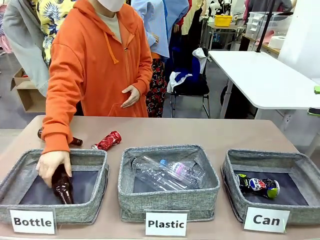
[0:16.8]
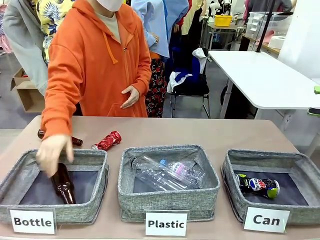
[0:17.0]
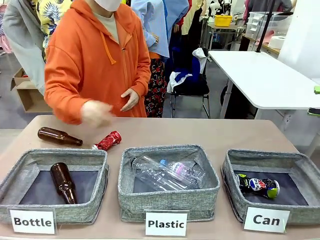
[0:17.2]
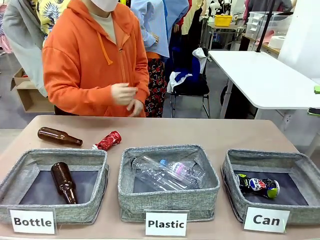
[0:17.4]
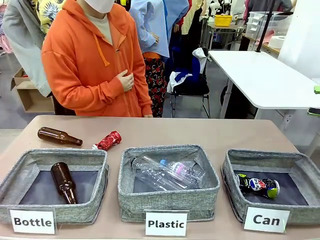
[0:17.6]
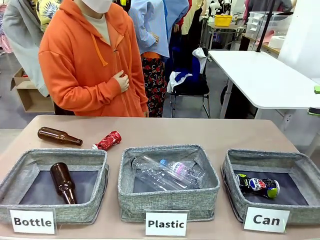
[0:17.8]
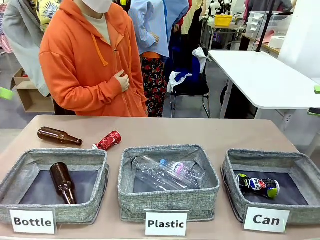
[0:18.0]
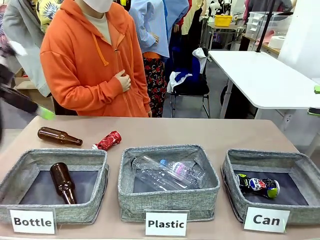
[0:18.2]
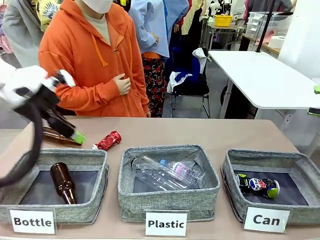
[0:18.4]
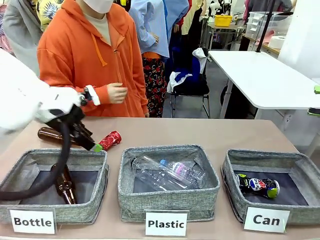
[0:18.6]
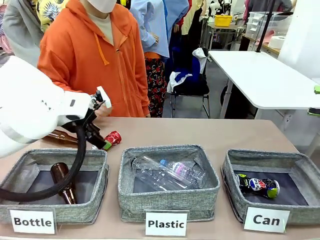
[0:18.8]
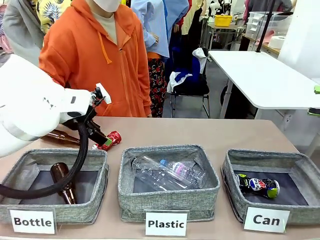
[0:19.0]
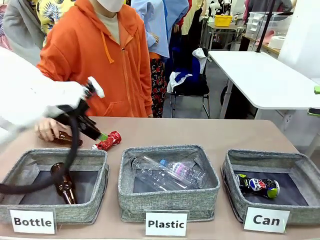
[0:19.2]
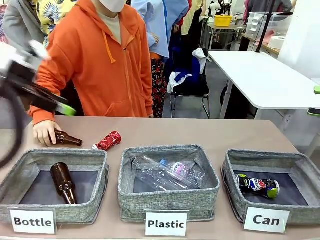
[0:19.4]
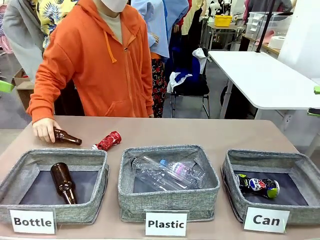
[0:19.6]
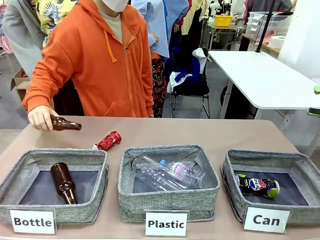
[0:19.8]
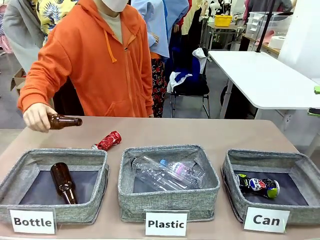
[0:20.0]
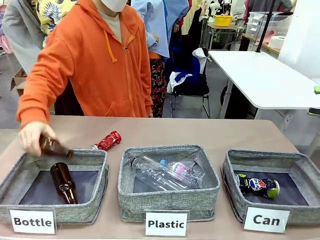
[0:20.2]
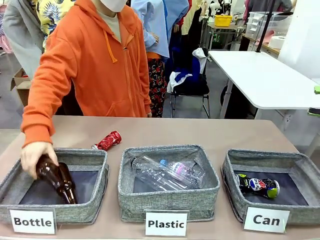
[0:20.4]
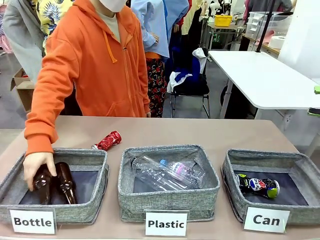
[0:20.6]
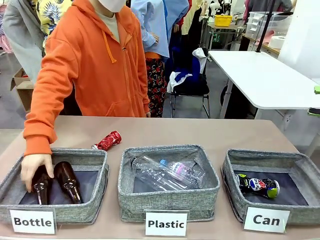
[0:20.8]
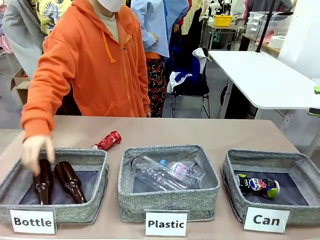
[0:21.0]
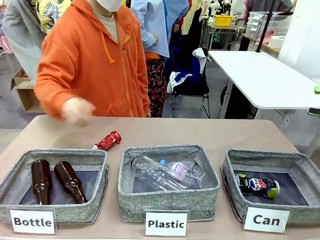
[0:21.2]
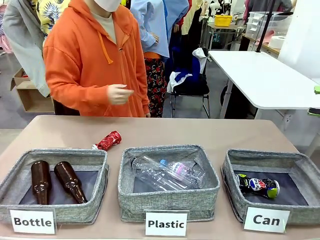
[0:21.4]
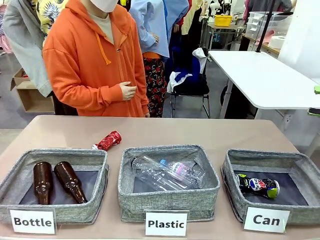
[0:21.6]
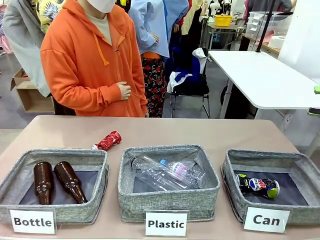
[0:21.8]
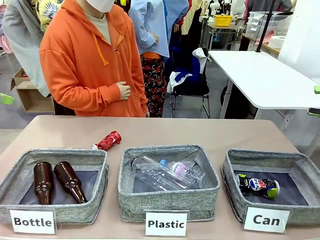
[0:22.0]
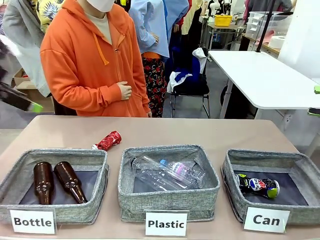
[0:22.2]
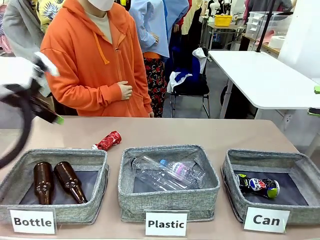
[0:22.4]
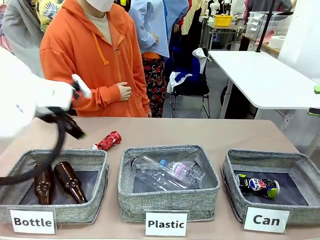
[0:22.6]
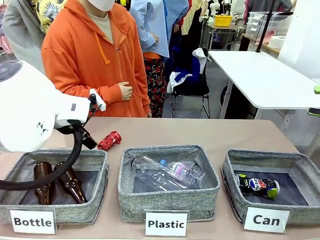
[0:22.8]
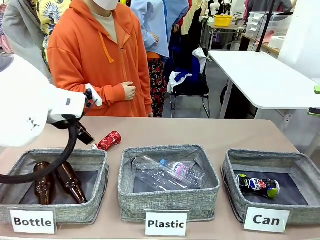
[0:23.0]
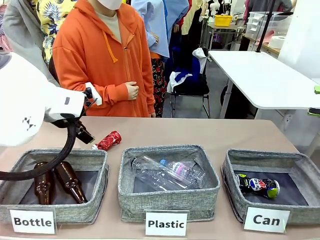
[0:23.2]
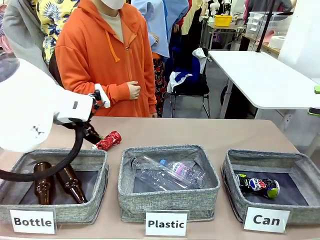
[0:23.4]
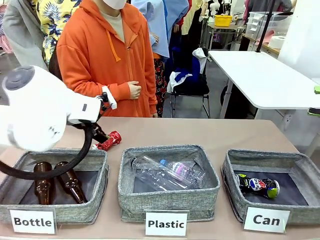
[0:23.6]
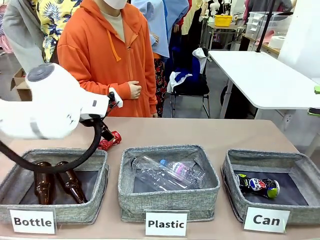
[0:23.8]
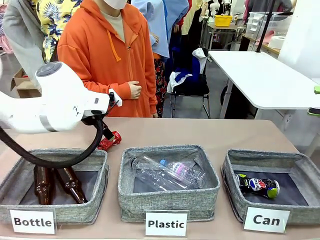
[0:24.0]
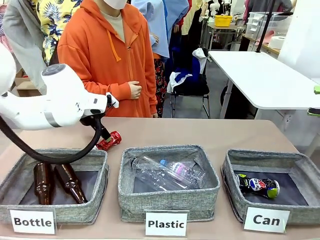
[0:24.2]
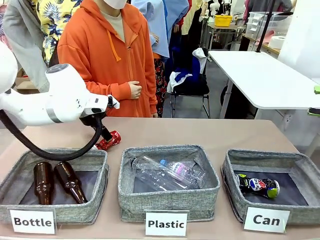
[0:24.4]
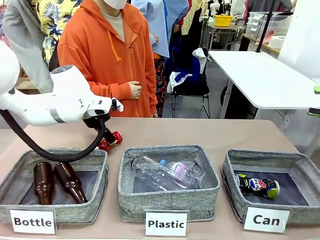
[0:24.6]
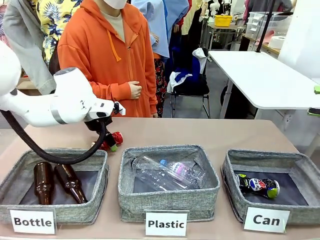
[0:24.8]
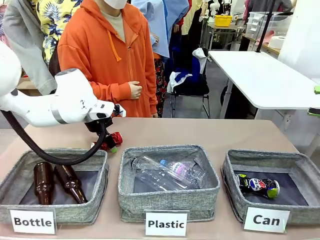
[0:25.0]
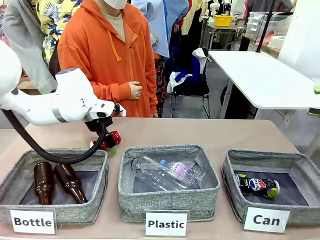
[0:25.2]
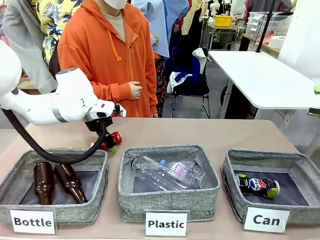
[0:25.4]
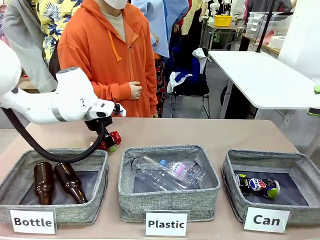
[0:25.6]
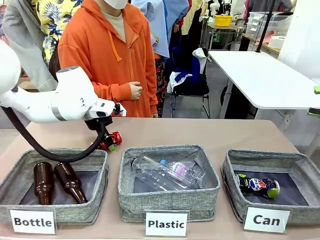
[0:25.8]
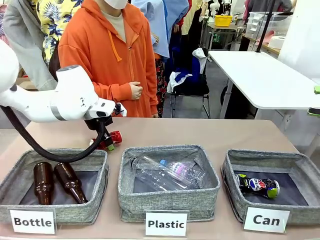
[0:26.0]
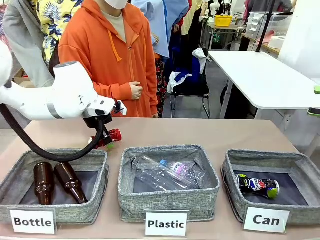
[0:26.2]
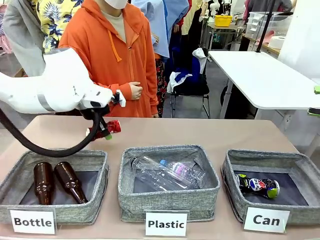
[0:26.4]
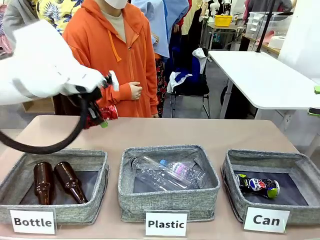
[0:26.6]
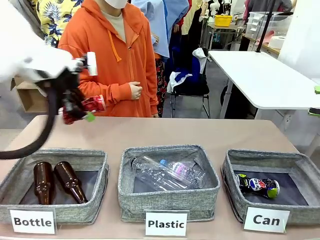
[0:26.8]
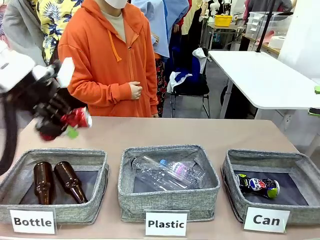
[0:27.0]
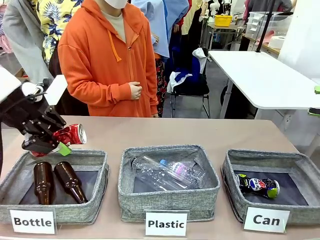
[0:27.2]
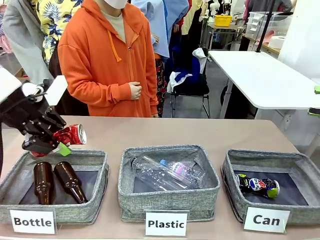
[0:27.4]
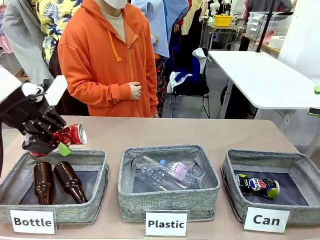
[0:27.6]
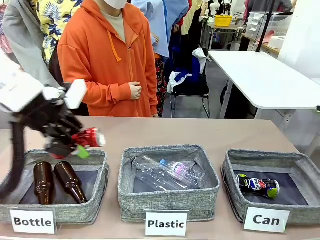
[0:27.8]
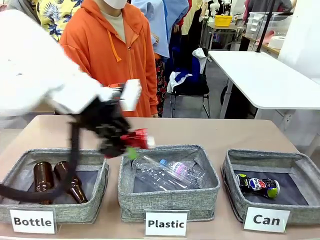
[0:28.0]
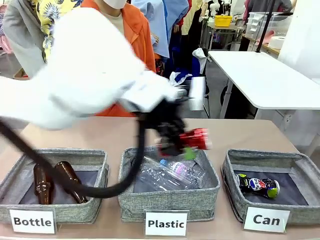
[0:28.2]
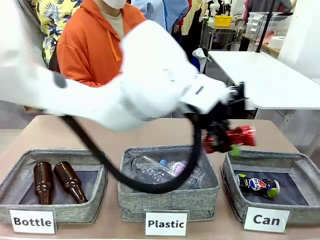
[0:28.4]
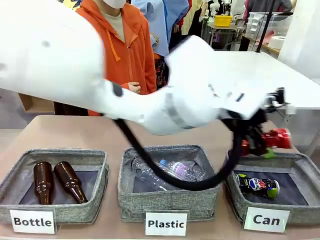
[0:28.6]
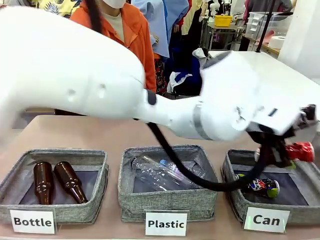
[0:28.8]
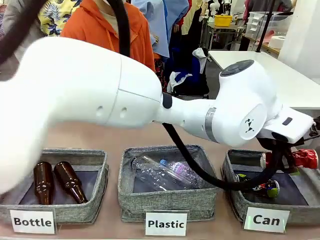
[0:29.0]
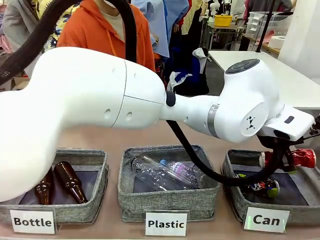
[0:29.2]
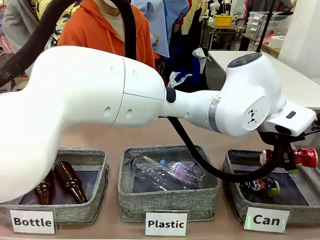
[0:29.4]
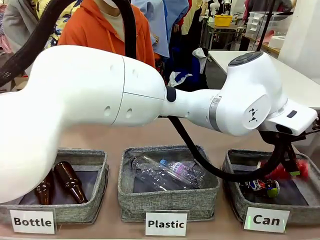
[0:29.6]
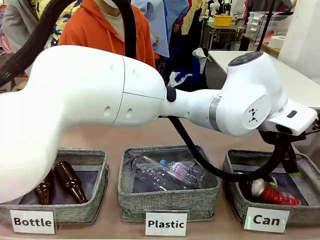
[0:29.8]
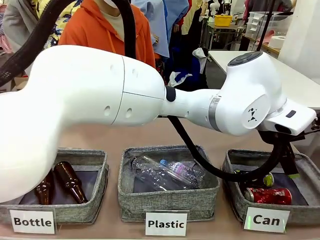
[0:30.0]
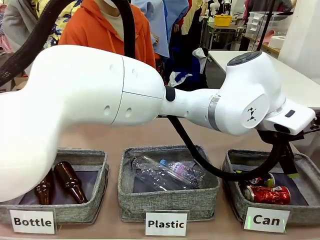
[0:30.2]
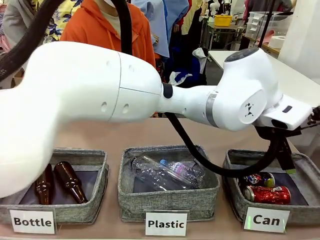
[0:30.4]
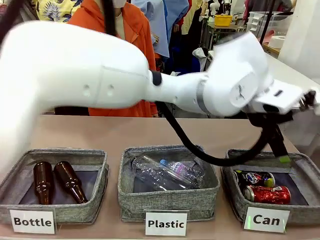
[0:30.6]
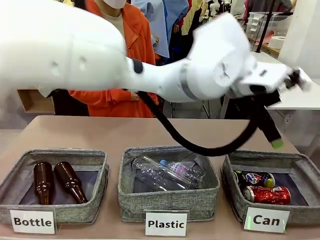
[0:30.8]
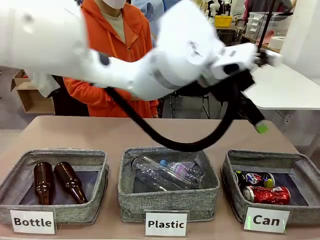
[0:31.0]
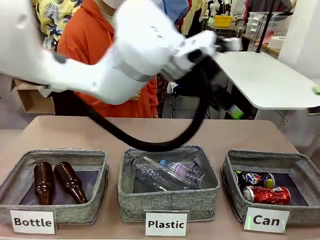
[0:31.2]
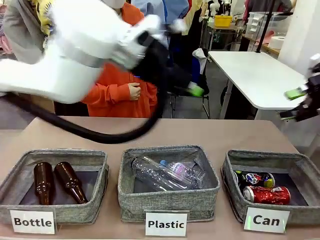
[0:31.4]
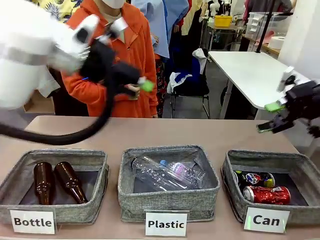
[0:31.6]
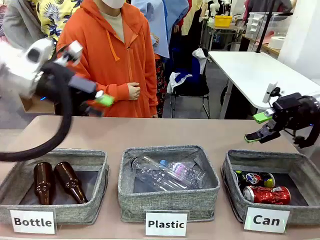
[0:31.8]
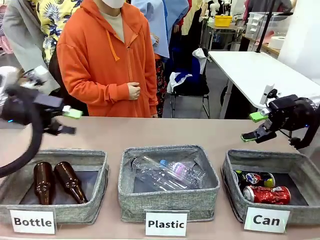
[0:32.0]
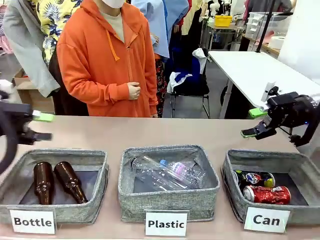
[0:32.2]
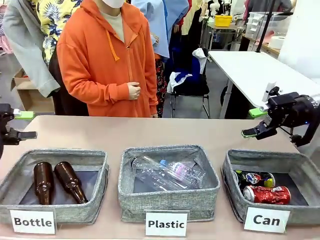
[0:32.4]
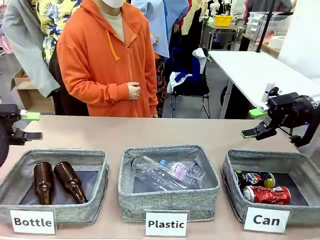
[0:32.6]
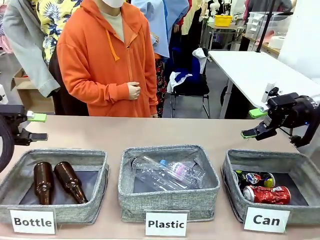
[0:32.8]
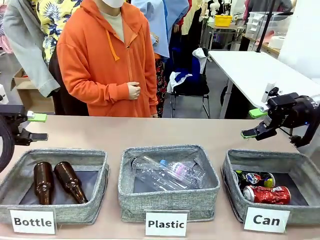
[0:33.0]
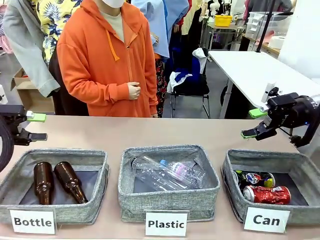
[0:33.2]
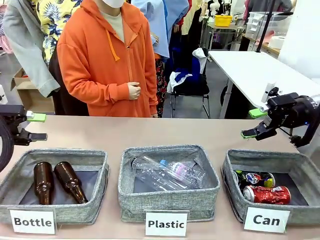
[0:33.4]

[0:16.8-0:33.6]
Task: Sort the can waste into the basket.
Robot: Pick up the can waste from the table and place it in the right Fabric basket.
